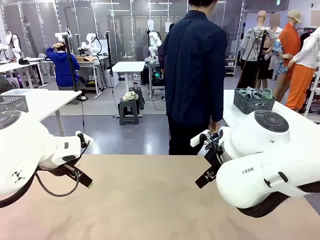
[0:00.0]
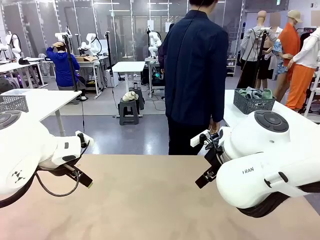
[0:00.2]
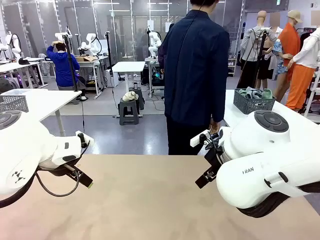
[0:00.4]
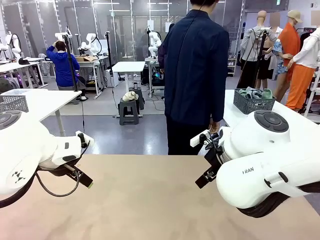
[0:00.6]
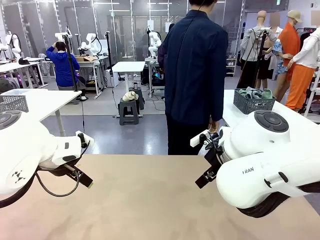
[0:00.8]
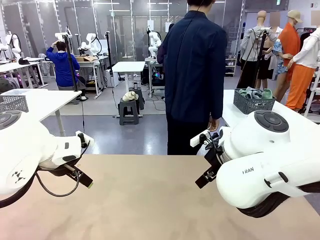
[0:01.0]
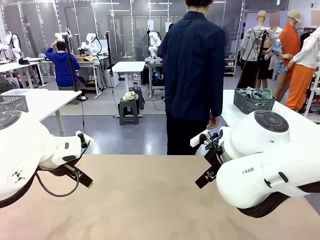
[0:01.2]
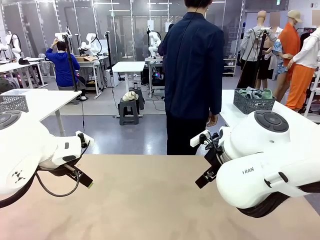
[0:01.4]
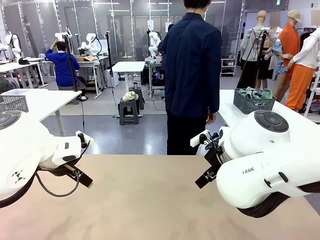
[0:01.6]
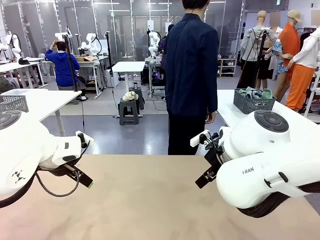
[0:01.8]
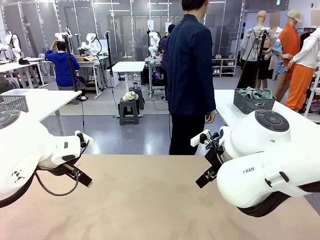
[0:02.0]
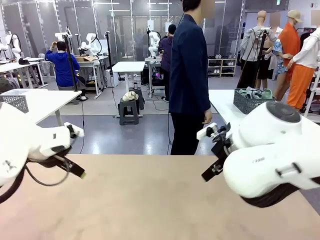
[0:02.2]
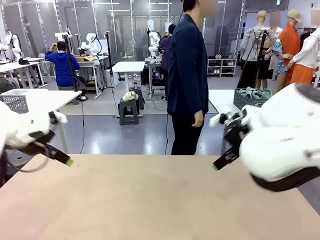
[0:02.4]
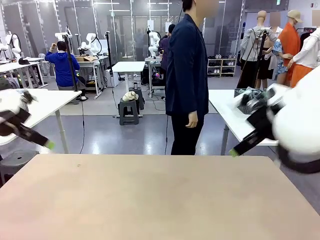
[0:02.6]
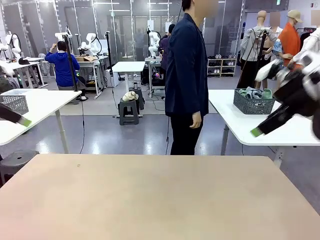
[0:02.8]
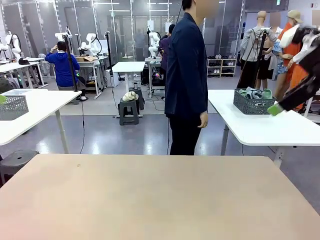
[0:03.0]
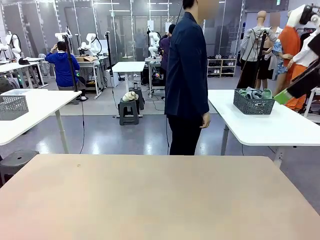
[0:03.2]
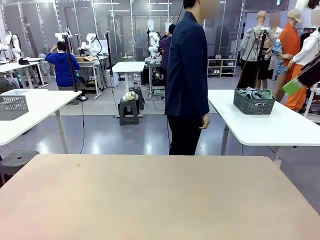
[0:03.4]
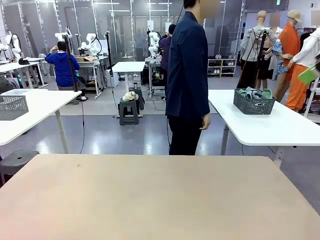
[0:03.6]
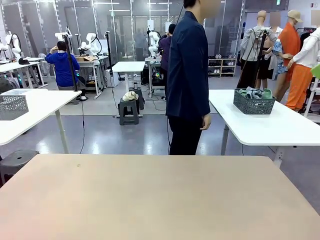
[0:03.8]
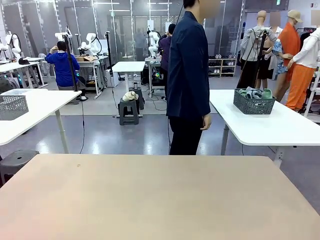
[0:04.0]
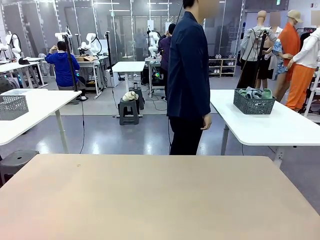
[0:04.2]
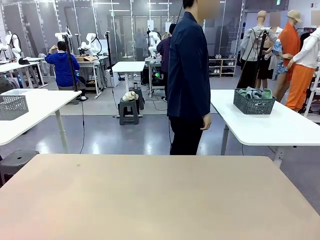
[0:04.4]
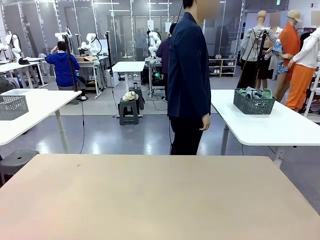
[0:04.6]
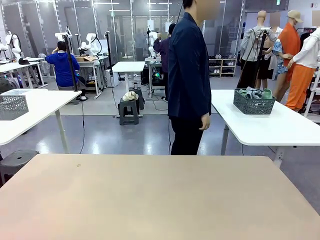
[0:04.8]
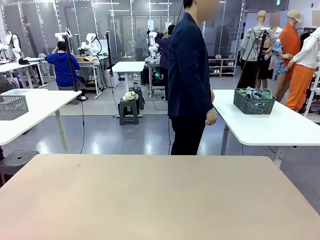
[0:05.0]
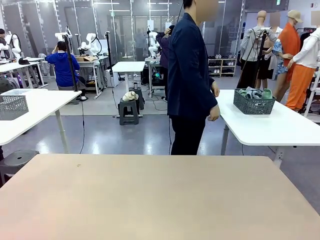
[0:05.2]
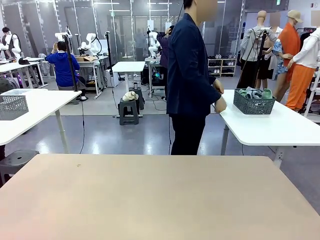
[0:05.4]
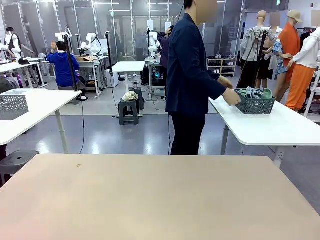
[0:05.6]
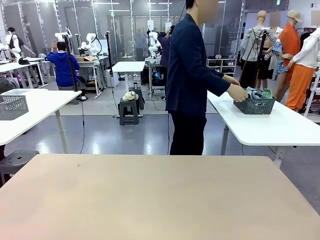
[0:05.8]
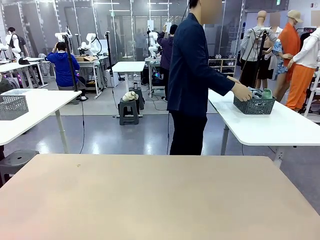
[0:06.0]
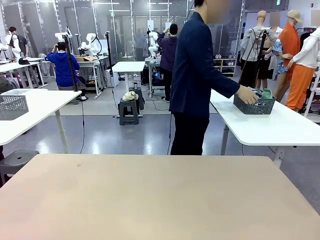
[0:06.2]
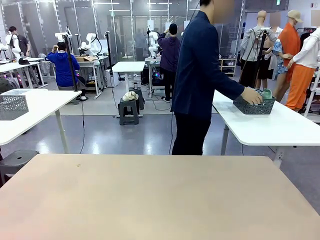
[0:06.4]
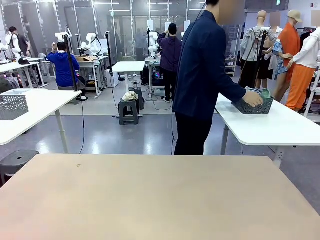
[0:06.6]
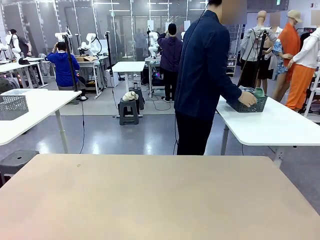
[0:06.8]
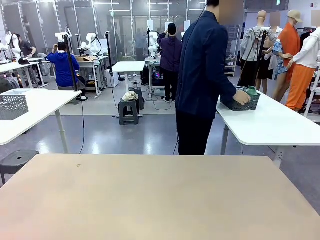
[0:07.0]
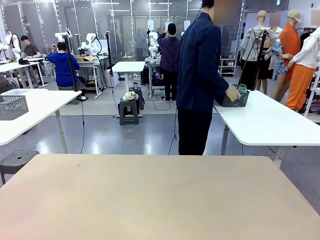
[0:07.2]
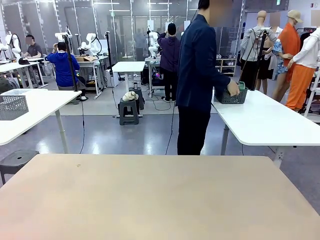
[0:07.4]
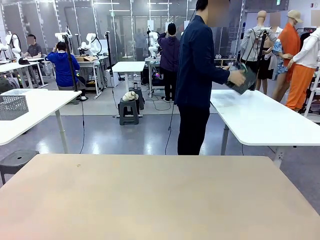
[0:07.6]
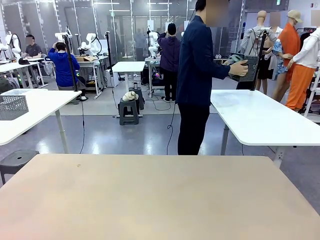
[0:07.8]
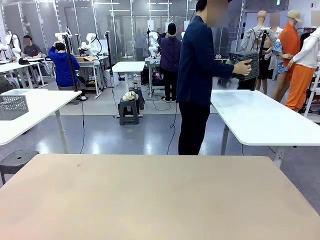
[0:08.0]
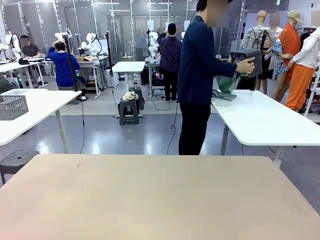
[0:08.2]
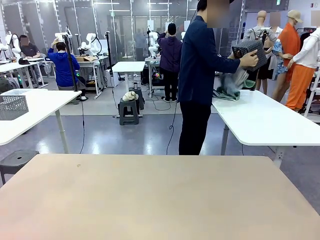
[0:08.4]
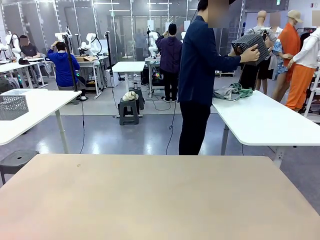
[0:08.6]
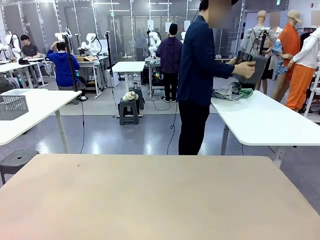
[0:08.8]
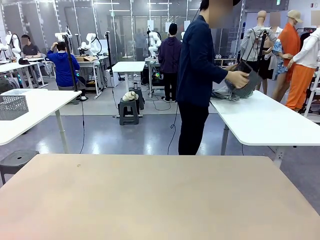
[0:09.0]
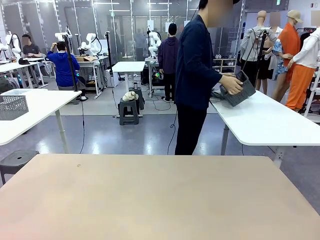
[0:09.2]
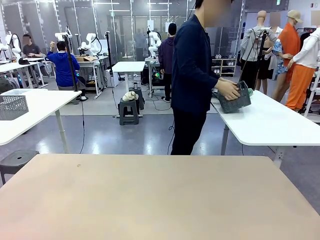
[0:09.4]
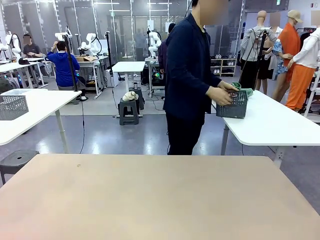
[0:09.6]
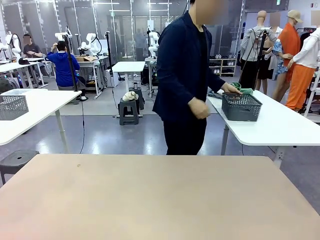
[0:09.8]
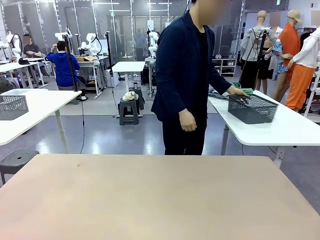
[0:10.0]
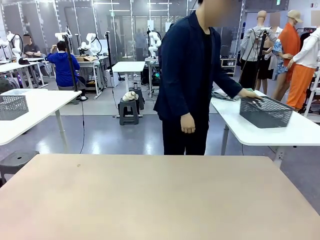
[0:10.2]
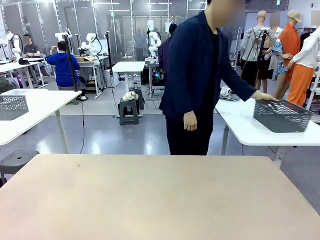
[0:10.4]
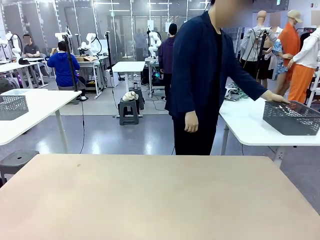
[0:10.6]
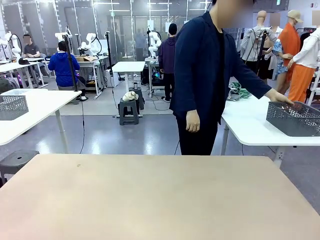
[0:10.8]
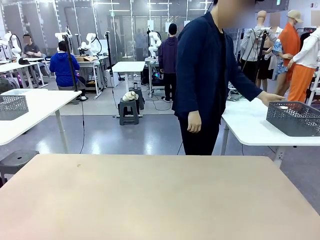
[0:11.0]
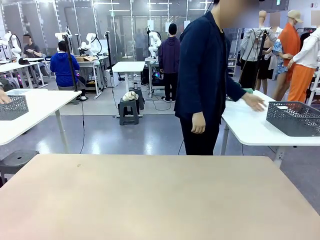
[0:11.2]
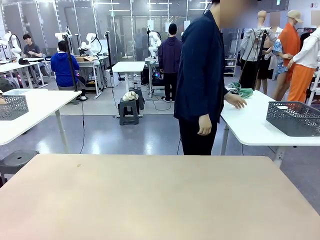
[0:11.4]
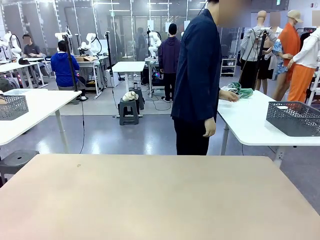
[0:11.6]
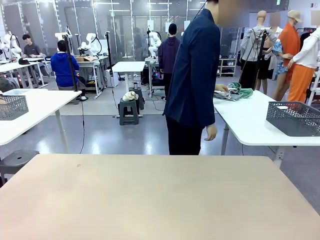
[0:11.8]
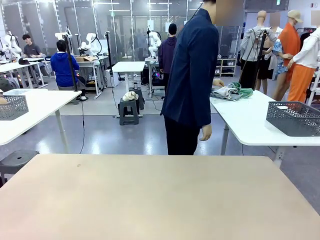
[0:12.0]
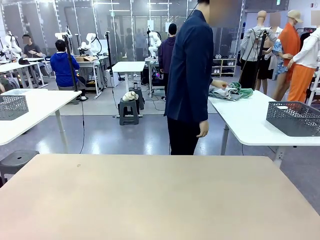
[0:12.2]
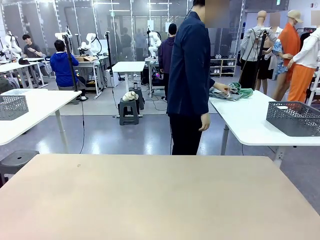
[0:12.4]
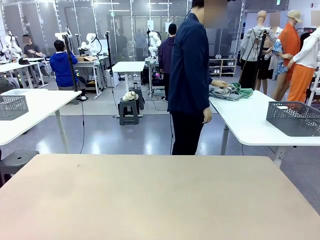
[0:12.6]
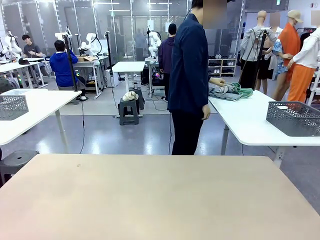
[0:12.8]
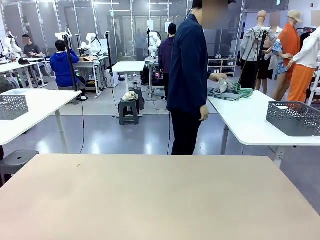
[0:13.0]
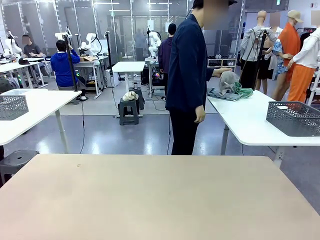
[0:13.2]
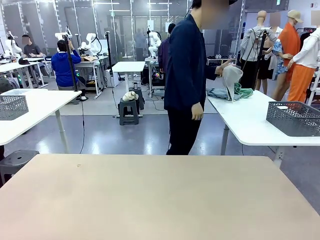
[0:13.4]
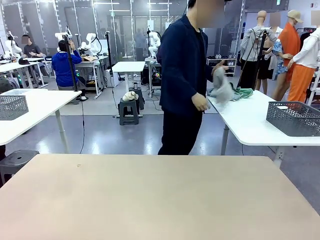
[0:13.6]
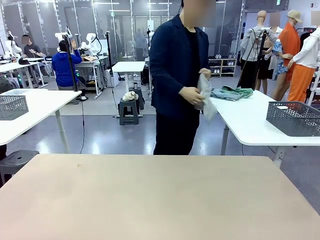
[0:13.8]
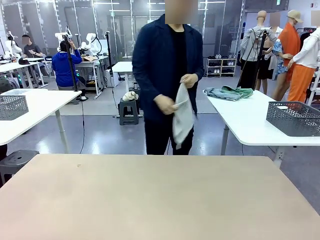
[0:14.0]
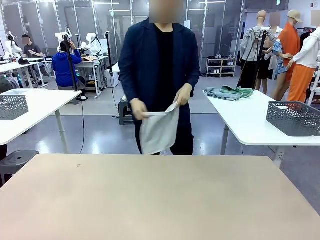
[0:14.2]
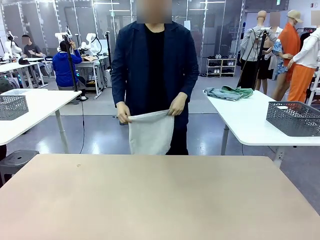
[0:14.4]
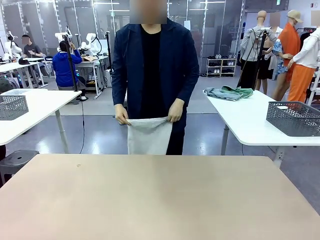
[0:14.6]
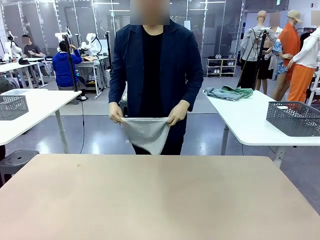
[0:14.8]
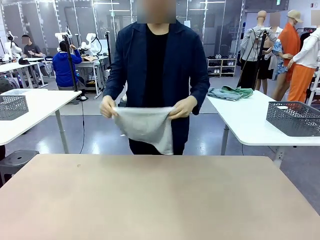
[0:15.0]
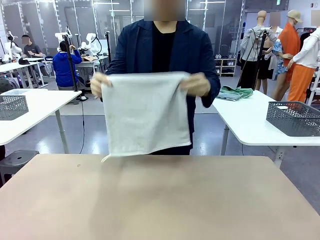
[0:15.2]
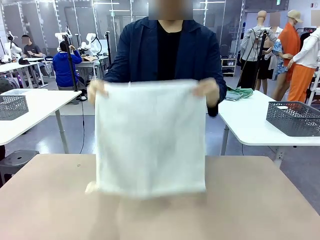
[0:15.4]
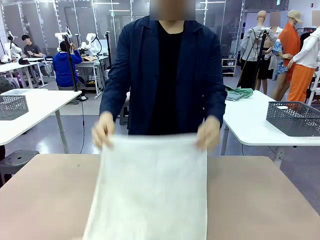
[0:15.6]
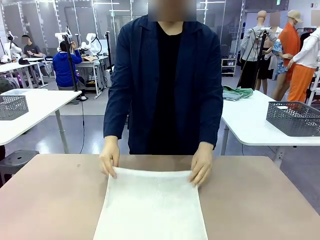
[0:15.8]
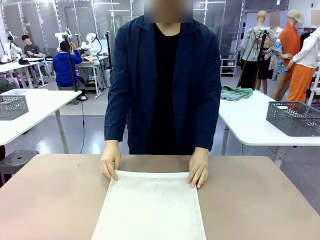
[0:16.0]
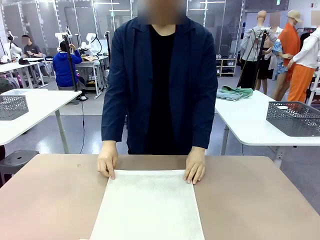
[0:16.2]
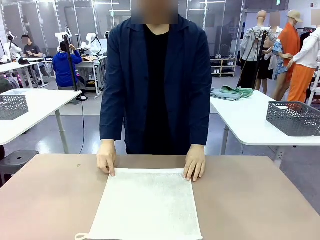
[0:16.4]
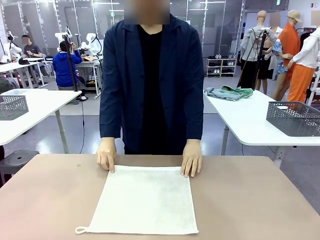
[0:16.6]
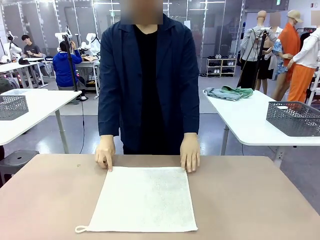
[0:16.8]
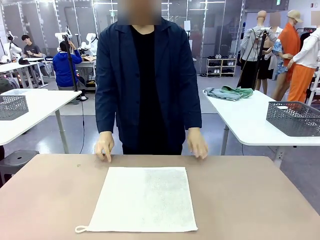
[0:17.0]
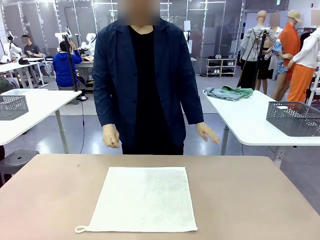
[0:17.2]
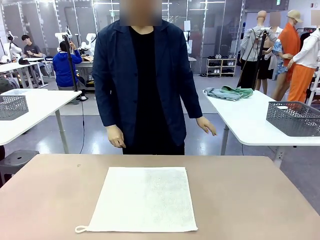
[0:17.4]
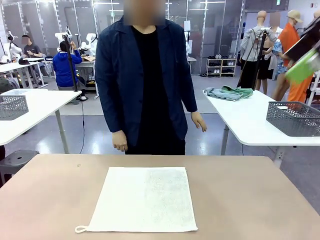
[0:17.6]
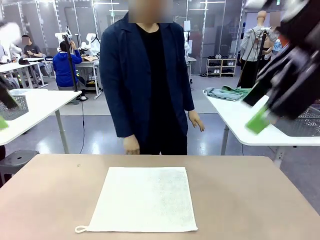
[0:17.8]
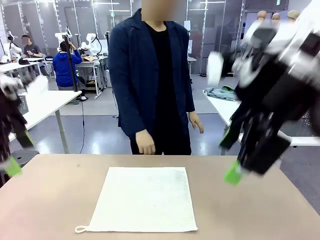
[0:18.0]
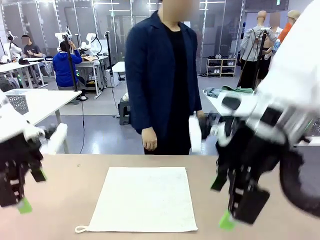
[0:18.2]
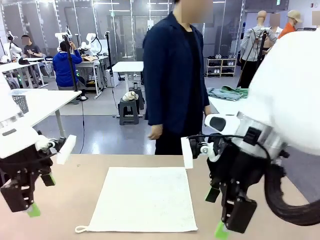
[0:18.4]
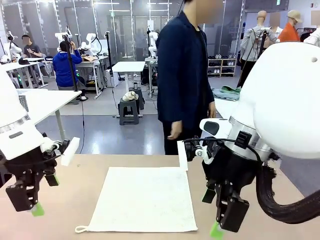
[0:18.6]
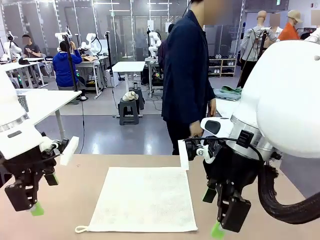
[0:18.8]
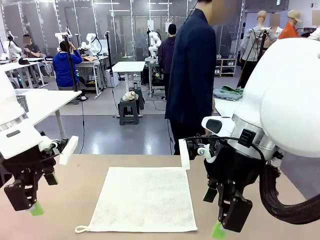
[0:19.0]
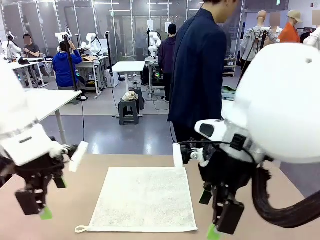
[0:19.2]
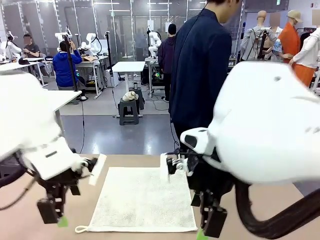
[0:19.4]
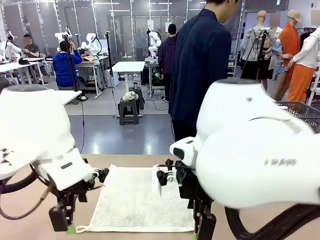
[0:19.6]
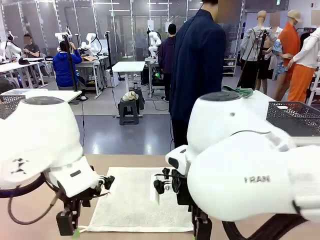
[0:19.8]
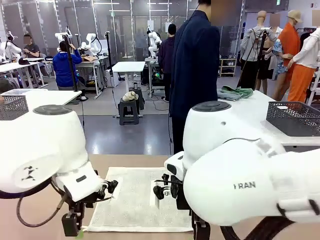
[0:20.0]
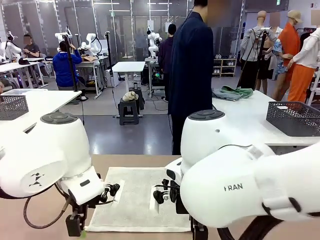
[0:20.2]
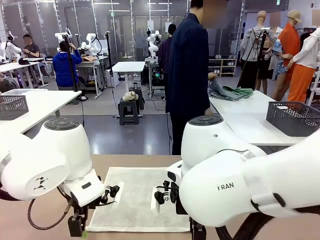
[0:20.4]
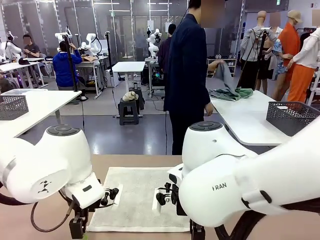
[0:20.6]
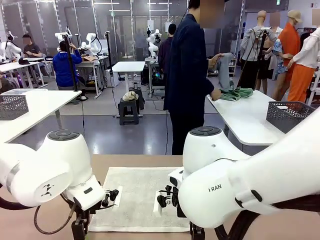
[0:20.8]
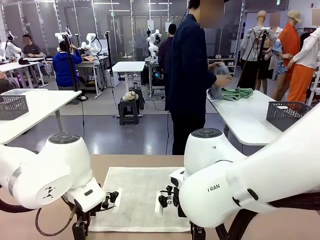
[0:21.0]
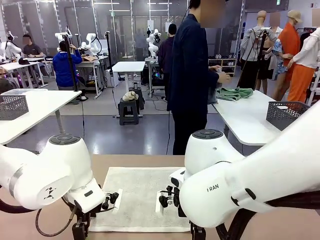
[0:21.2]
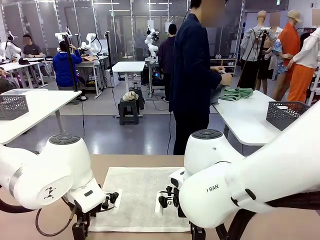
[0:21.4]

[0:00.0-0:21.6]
Task: Fold the towels and place them in the basket.
Robot: When a person lays out a Towel with hook on the table, fold it in half twice.
Person: Pick up the basket, pour the towels onto the left side of the human table, and place the basket on the right side. Pick up one towel and spread it out at the center of the robot table.
